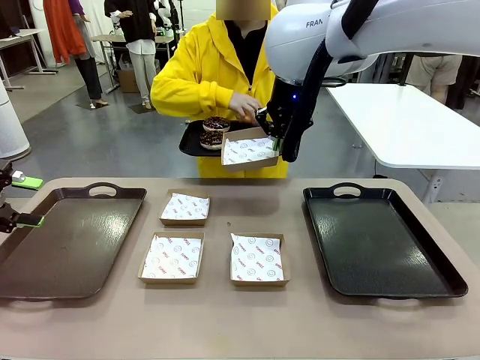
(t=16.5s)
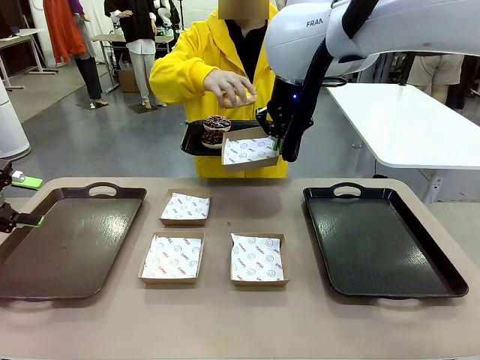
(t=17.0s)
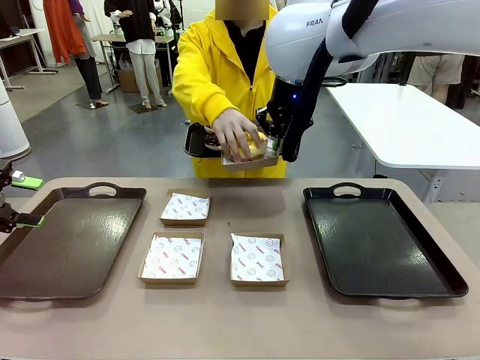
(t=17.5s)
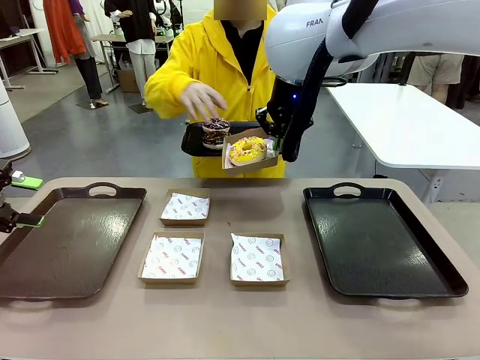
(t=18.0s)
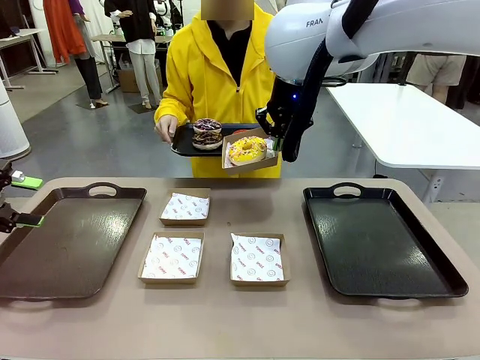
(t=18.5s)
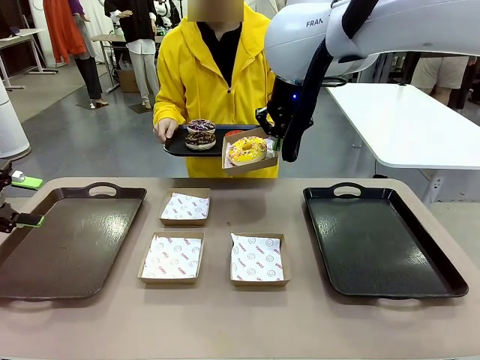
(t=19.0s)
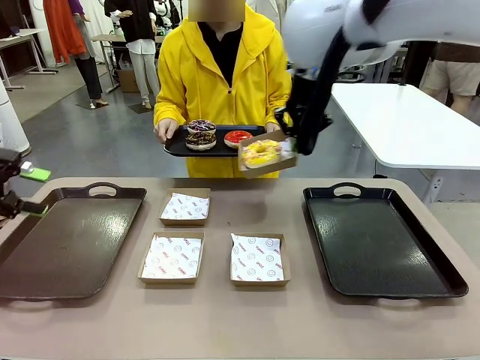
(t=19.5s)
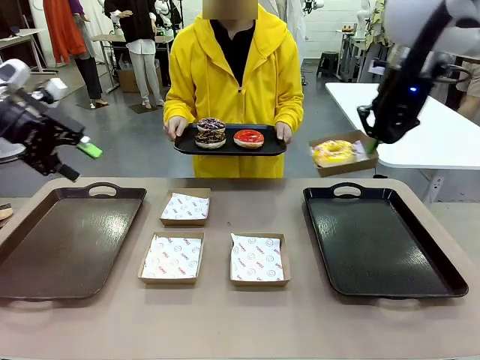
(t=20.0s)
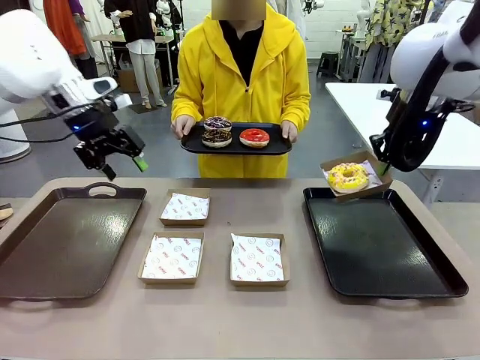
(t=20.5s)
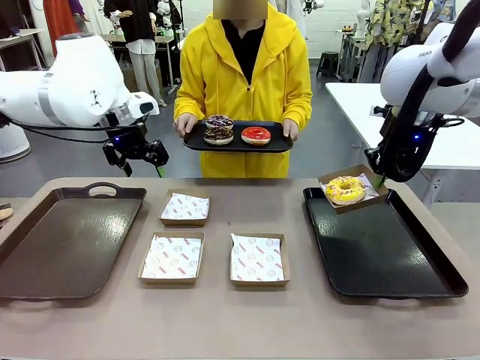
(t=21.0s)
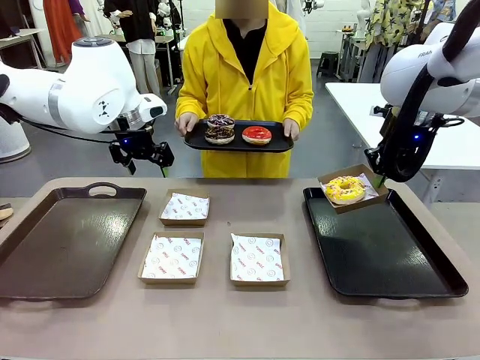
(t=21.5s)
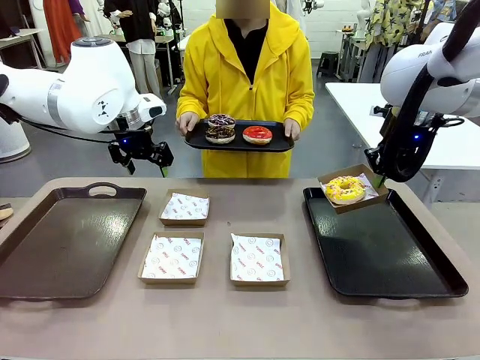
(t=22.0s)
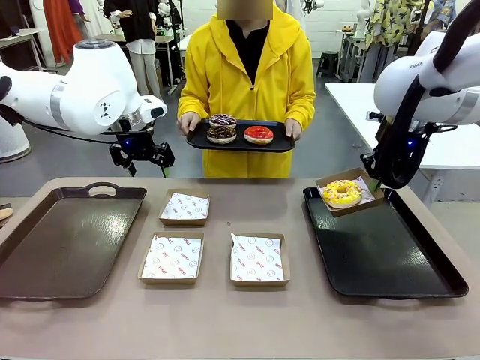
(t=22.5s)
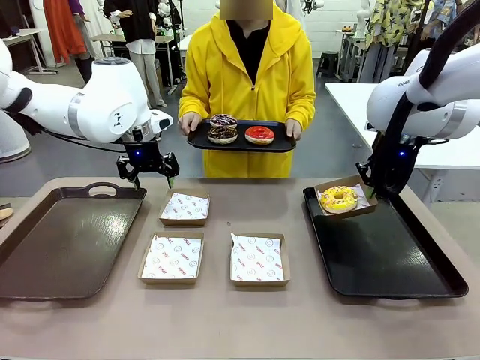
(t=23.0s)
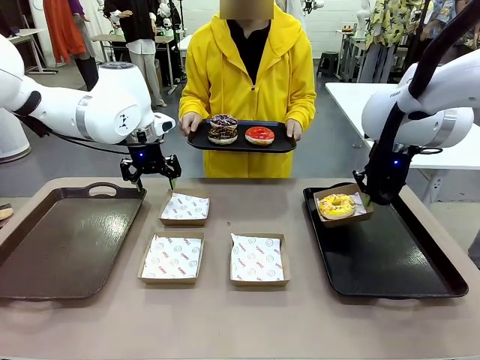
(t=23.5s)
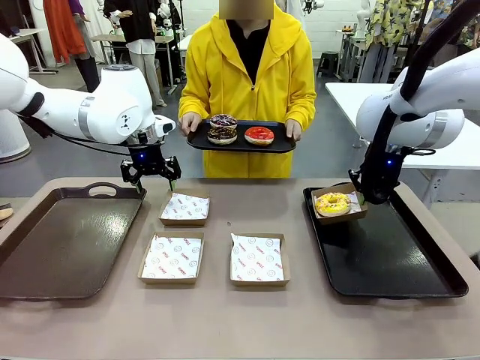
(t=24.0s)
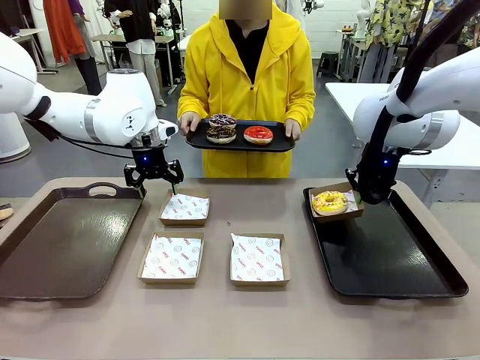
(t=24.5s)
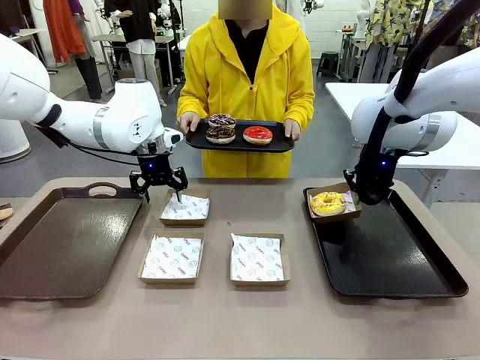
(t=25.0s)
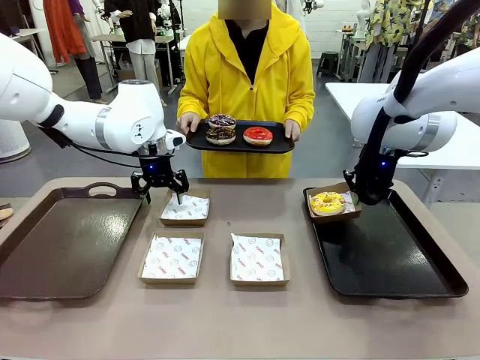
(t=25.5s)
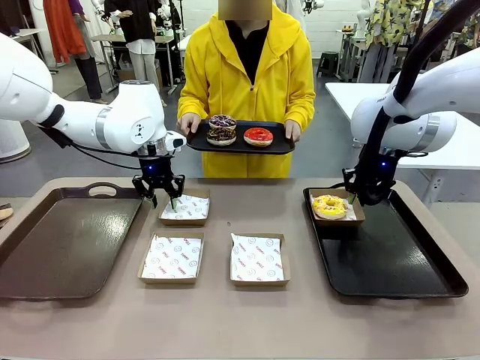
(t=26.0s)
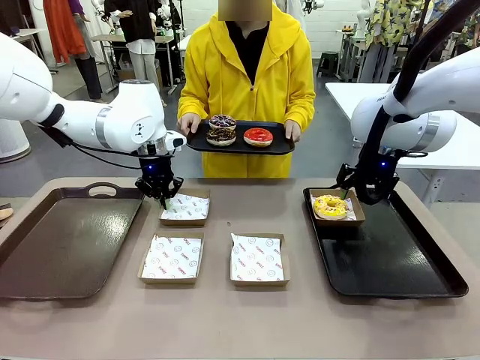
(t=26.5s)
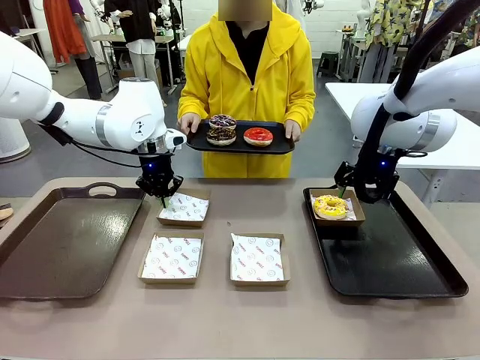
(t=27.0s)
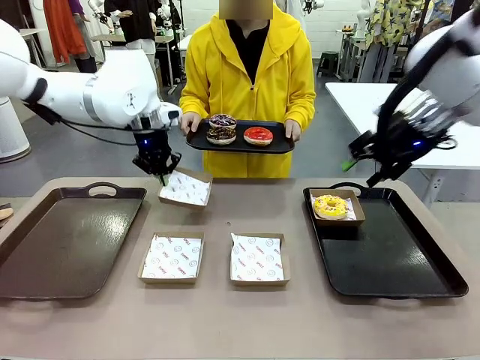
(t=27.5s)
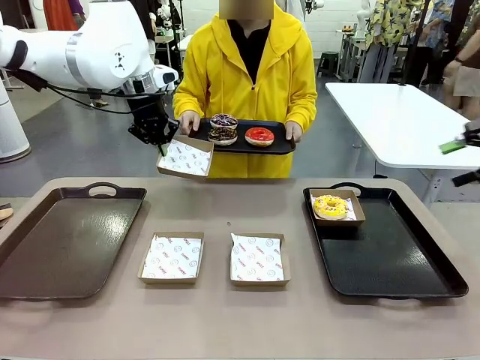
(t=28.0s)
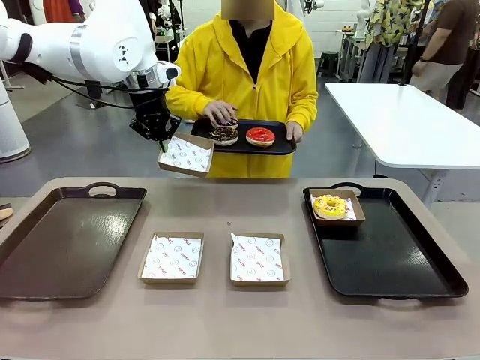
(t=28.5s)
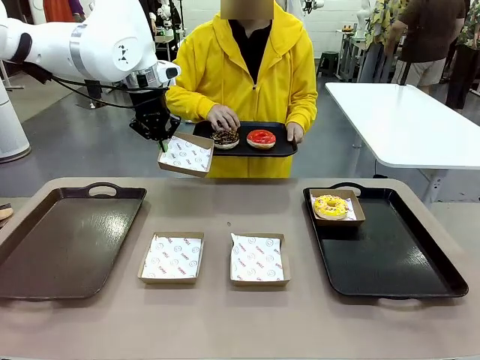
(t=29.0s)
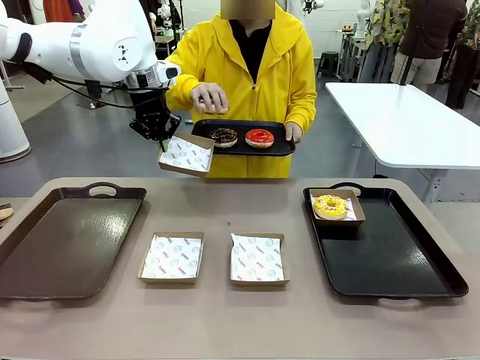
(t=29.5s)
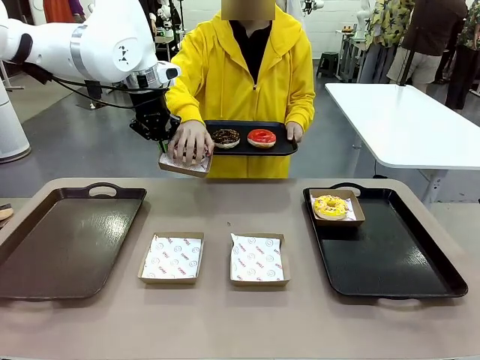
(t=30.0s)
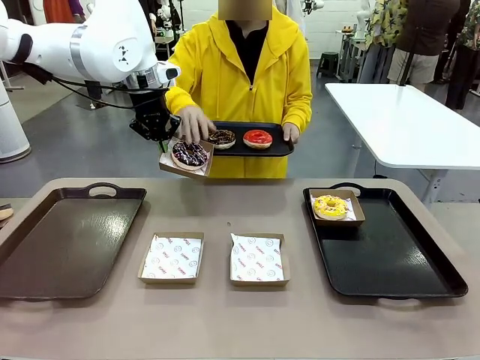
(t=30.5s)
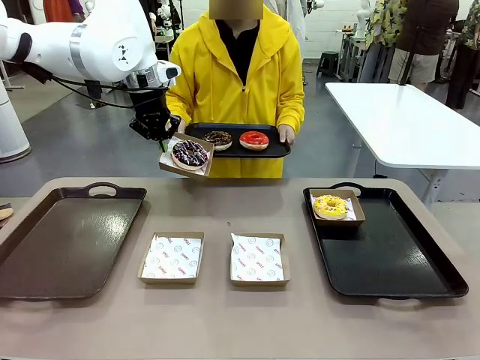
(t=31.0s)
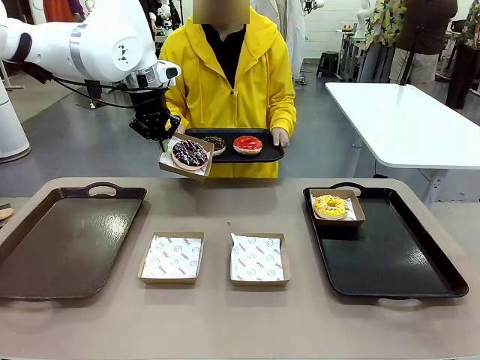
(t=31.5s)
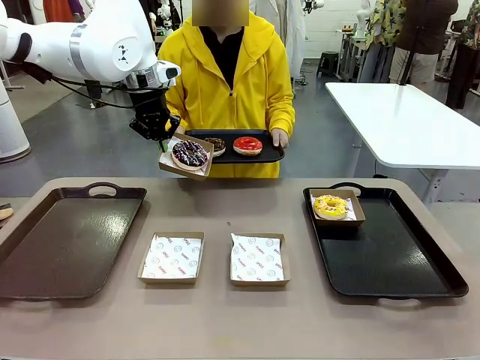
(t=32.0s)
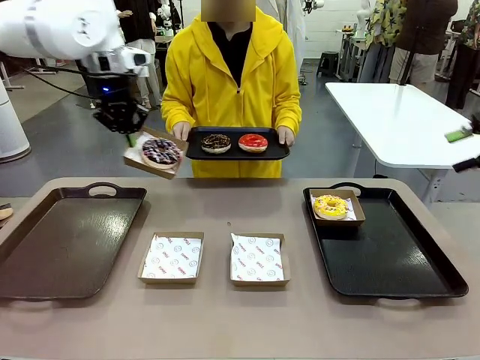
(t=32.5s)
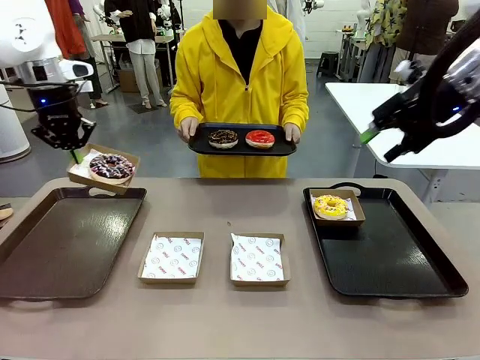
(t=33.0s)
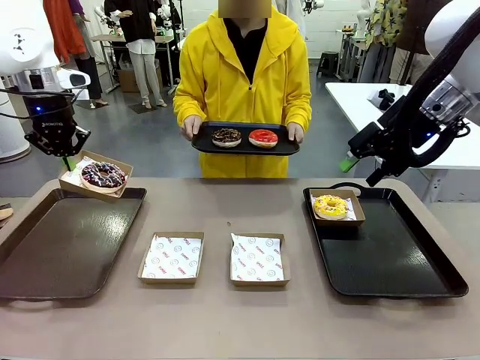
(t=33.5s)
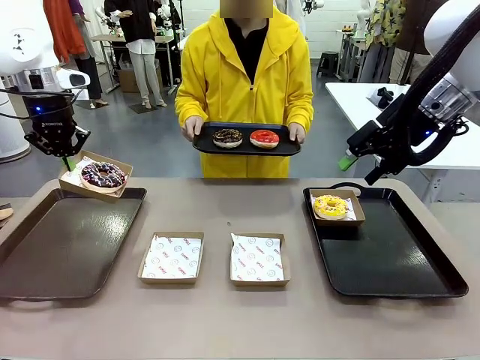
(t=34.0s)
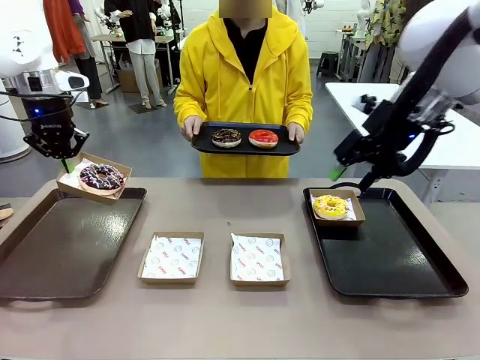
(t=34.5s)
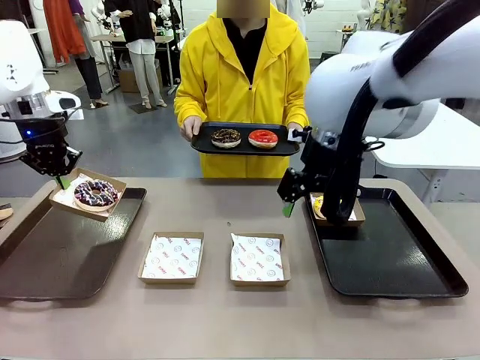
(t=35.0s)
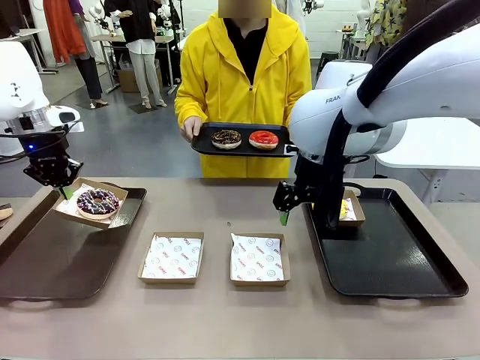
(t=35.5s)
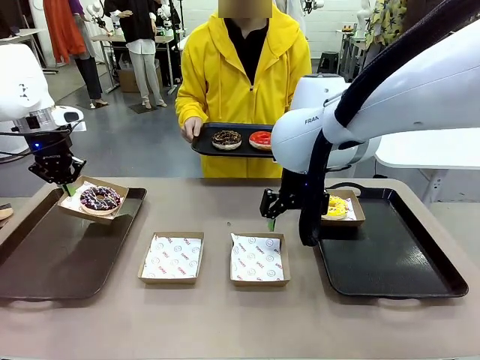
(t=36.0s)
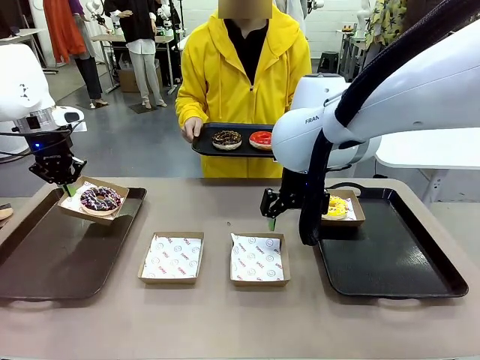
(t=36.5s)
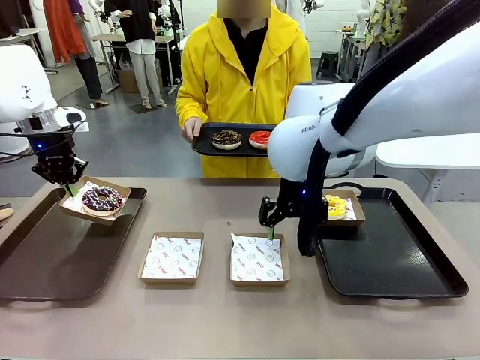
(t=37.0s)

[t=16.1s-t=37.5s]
Task: Individually package the donuts and arrange them on the tray.
Robot: Place the picked Paper togo box on the Handle tray while simultaneously picking up another Paper togo box from the table with the other hand.

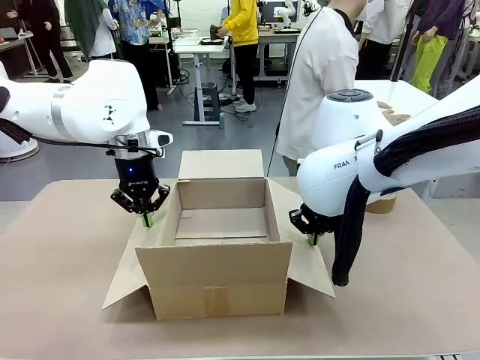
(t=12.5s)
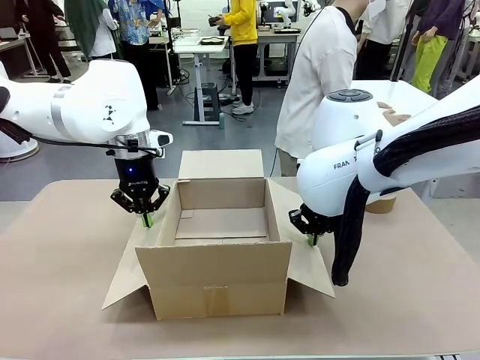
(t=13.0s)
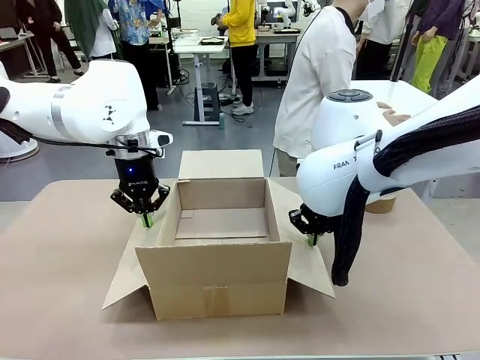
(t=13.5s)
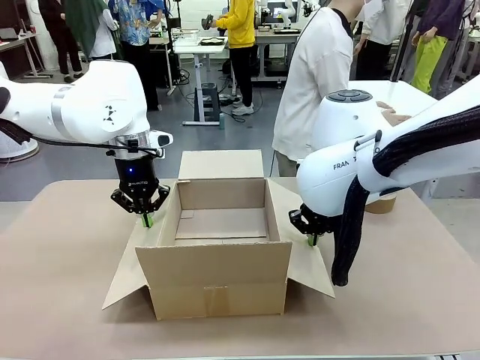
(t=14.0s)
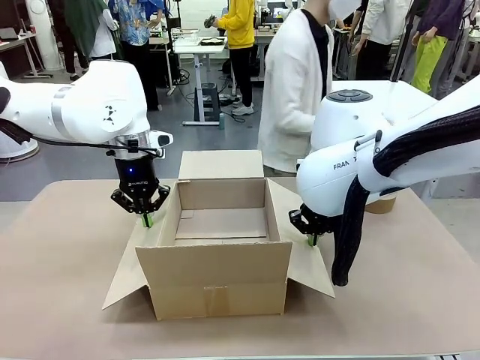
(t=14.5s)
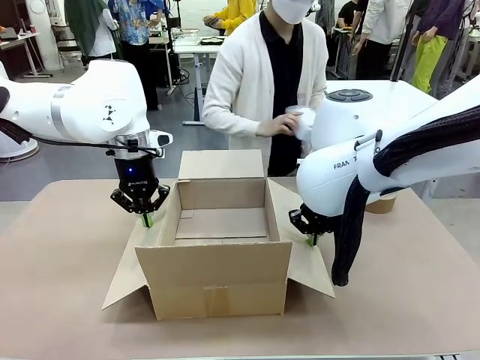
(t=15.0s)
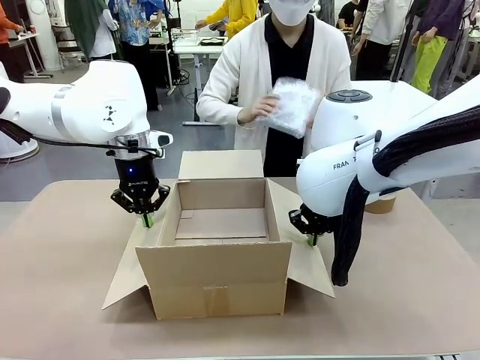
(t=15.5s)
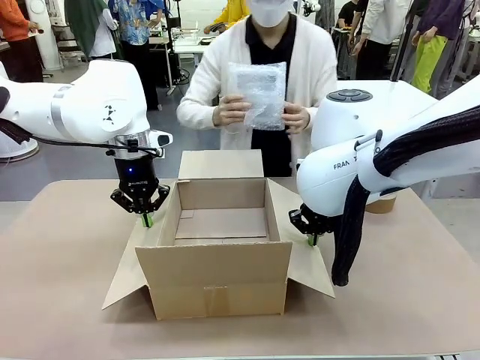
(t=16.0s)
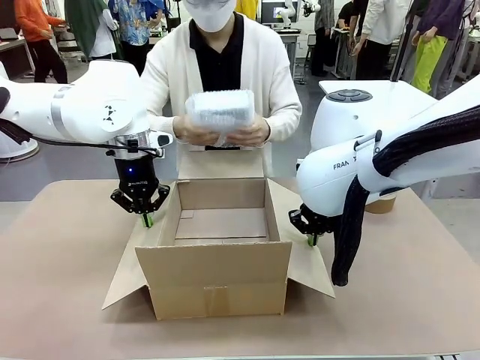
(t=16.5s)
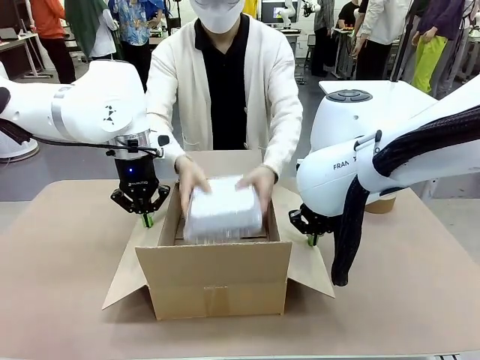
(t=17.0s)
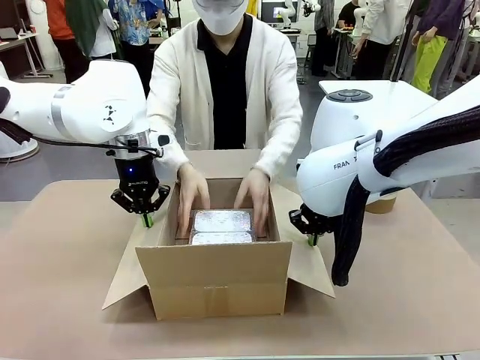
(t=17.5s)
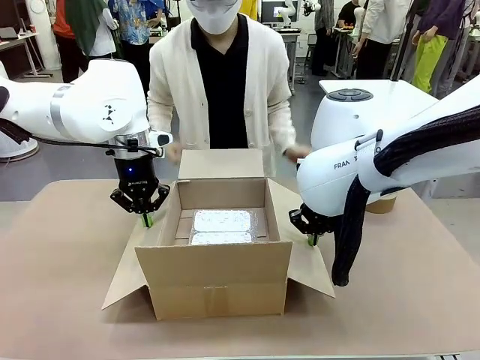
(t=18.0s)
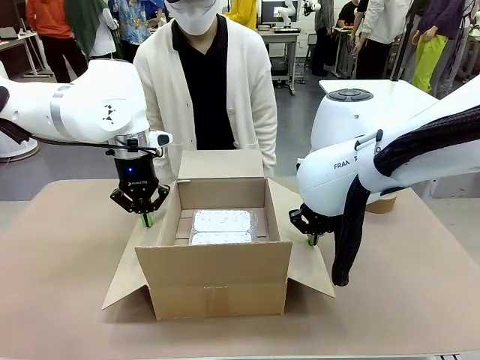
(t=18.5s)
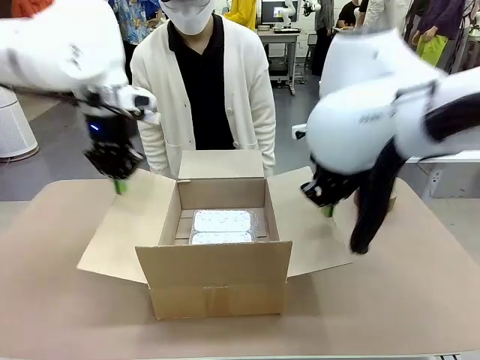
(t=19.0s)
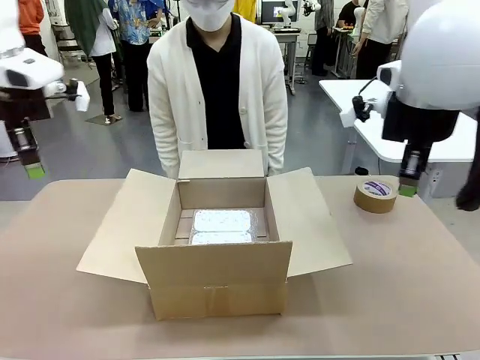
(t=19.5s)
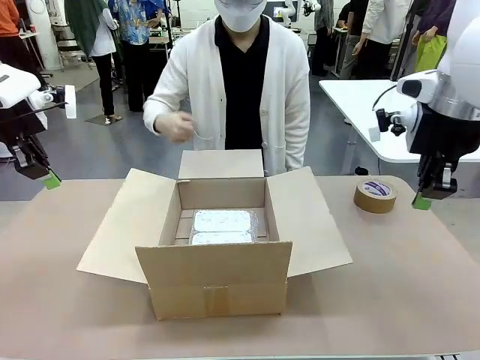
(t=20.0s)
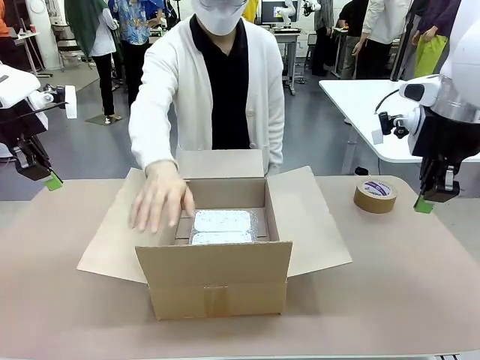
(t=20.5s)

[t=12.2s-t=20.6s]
Task: Wrap the clocks to prevent damage.
Robot: Once the human has placed the objects inside and stepped back, release both hands from the side flaps of the Package Box.
Person: Place the wrapped Digital clocks inside the Package Box.
